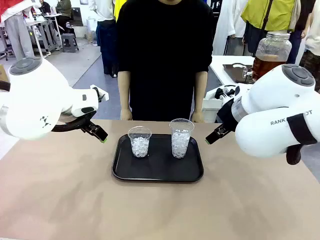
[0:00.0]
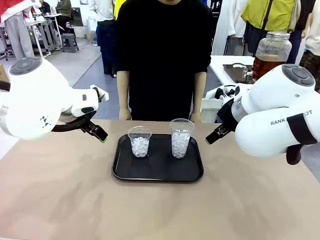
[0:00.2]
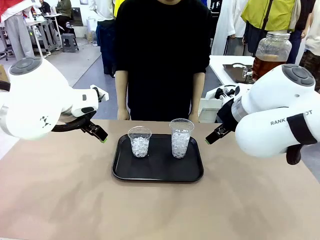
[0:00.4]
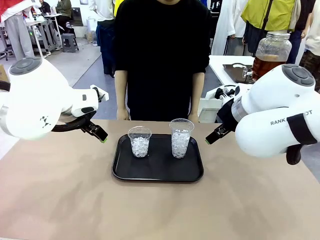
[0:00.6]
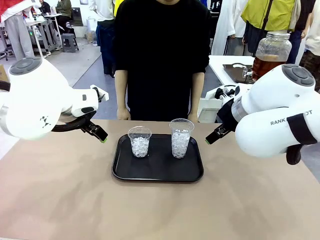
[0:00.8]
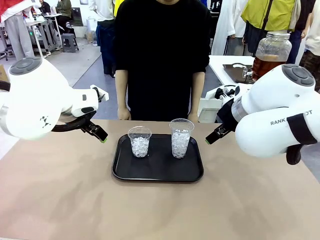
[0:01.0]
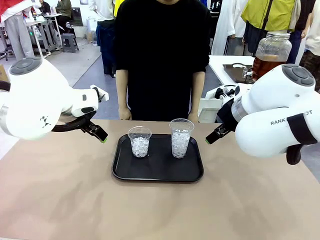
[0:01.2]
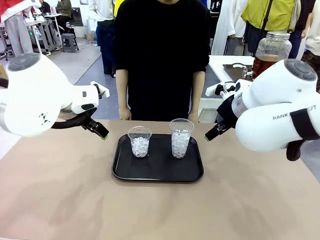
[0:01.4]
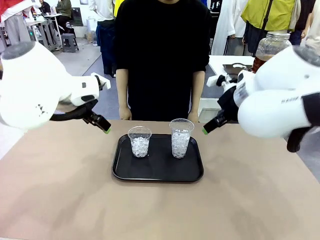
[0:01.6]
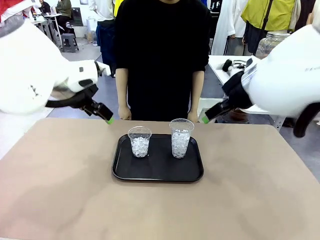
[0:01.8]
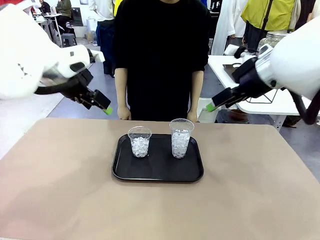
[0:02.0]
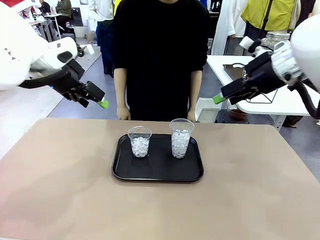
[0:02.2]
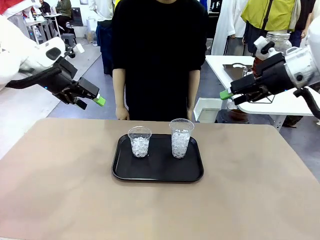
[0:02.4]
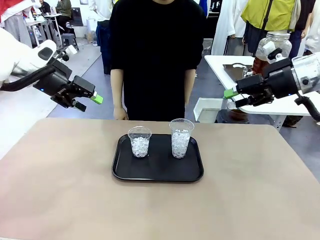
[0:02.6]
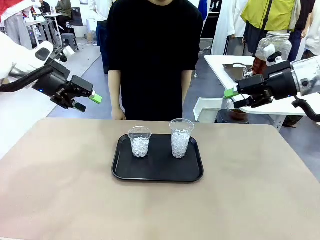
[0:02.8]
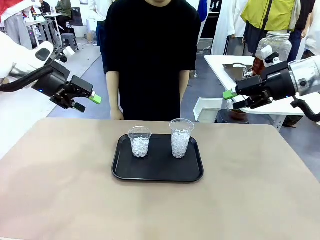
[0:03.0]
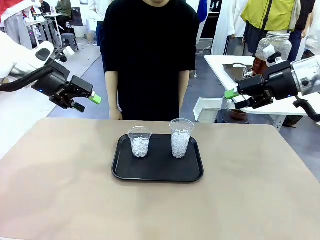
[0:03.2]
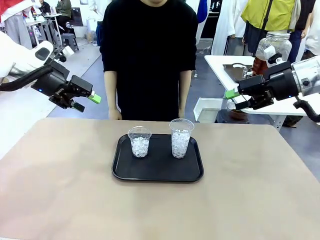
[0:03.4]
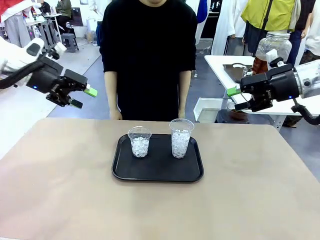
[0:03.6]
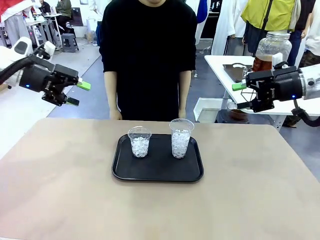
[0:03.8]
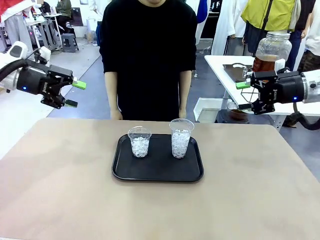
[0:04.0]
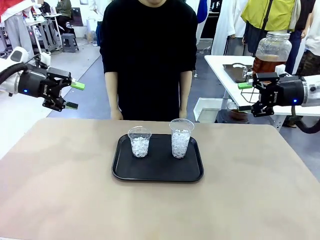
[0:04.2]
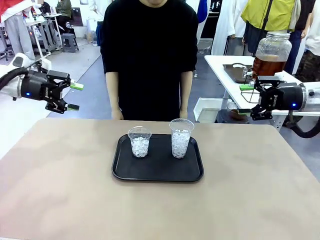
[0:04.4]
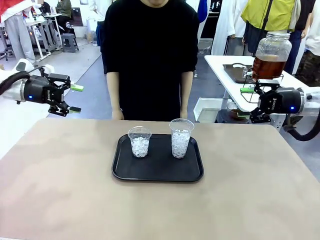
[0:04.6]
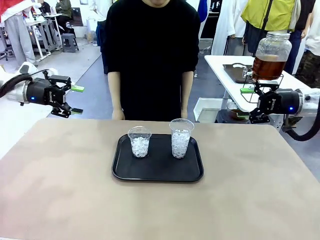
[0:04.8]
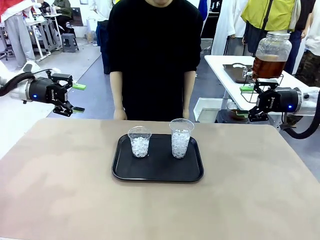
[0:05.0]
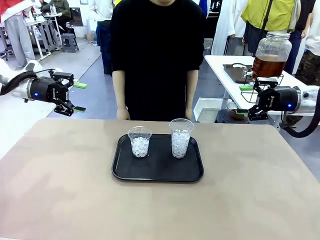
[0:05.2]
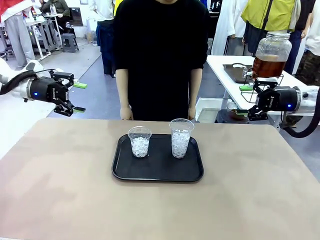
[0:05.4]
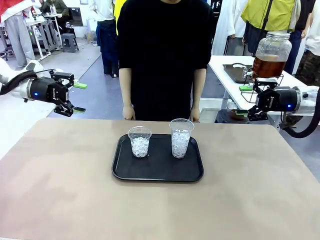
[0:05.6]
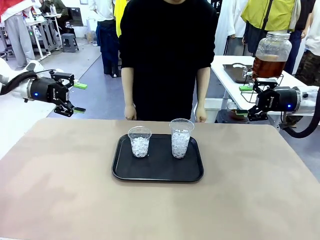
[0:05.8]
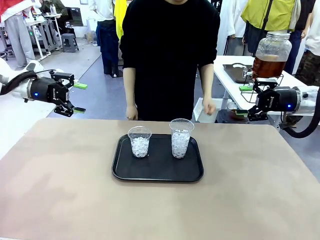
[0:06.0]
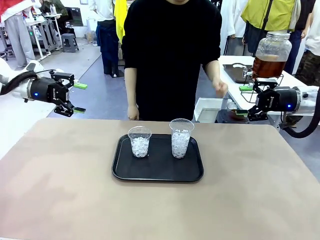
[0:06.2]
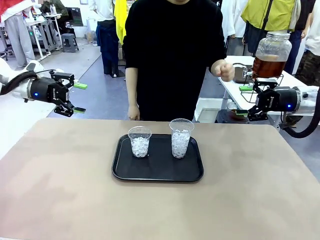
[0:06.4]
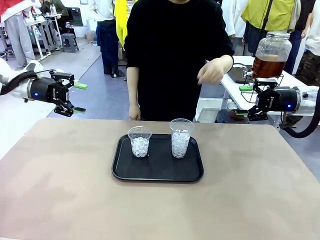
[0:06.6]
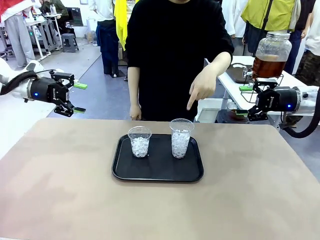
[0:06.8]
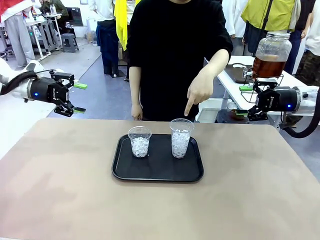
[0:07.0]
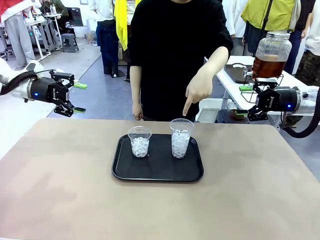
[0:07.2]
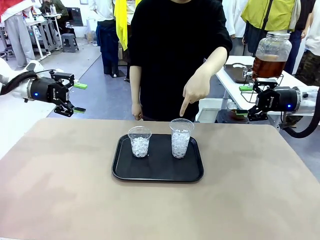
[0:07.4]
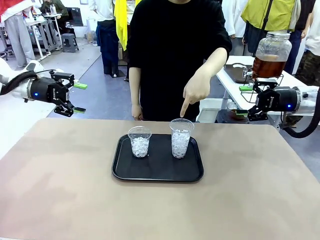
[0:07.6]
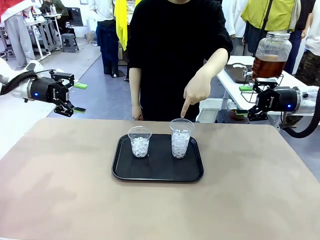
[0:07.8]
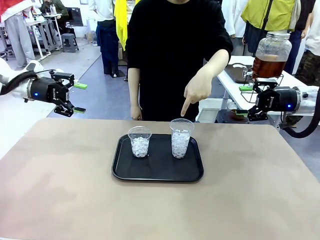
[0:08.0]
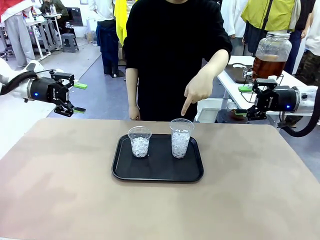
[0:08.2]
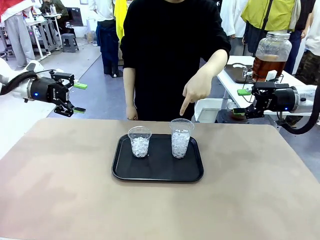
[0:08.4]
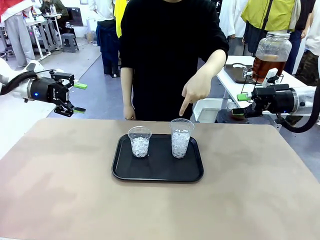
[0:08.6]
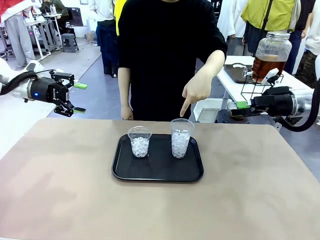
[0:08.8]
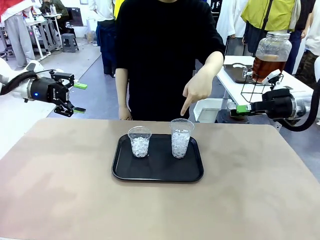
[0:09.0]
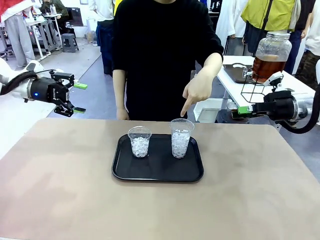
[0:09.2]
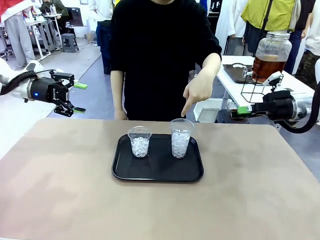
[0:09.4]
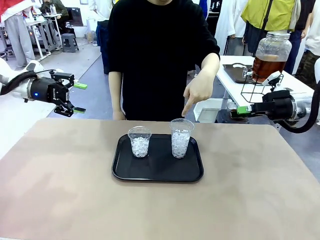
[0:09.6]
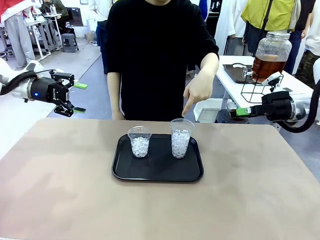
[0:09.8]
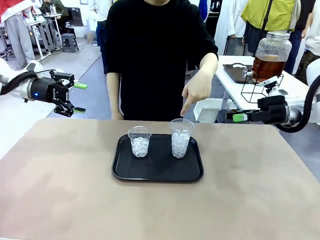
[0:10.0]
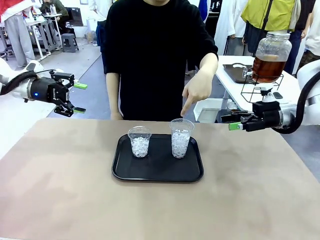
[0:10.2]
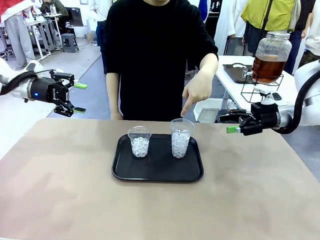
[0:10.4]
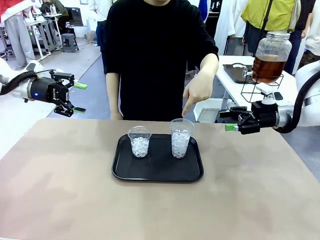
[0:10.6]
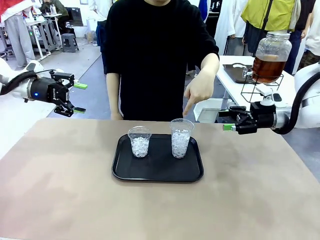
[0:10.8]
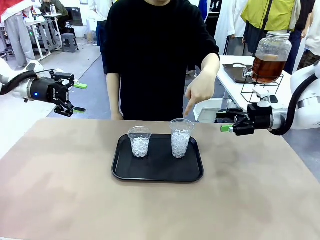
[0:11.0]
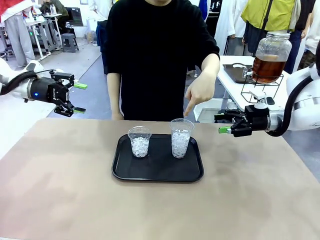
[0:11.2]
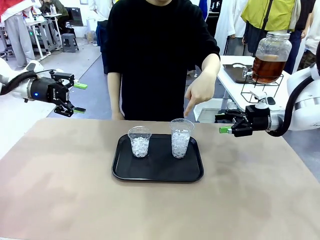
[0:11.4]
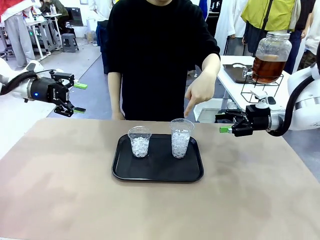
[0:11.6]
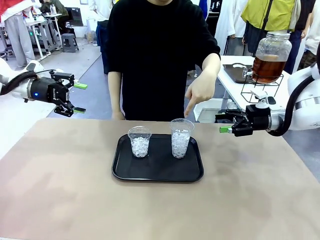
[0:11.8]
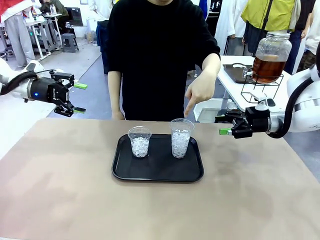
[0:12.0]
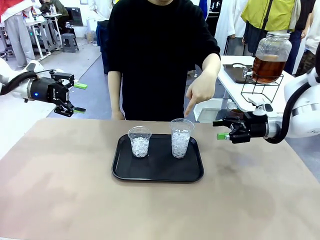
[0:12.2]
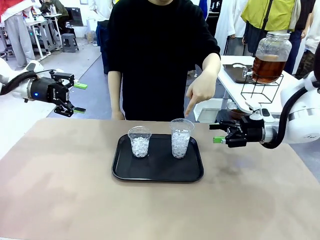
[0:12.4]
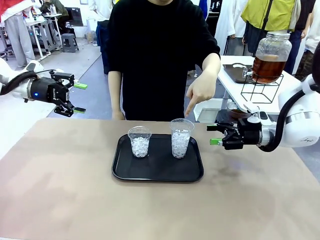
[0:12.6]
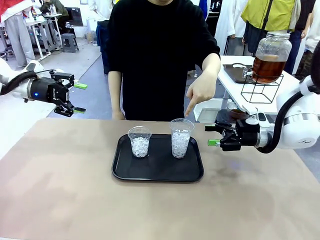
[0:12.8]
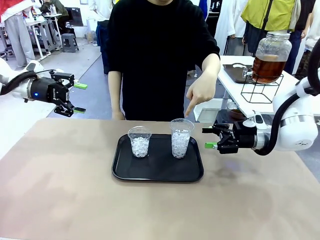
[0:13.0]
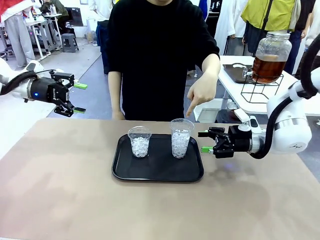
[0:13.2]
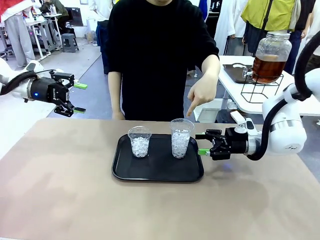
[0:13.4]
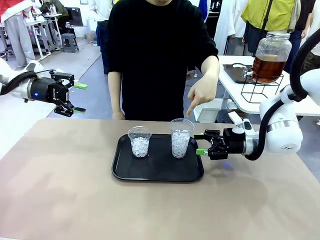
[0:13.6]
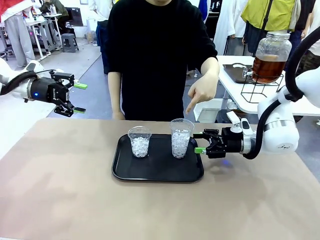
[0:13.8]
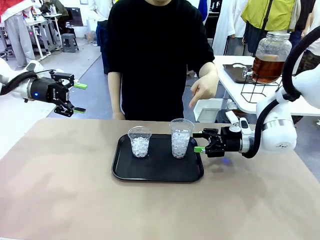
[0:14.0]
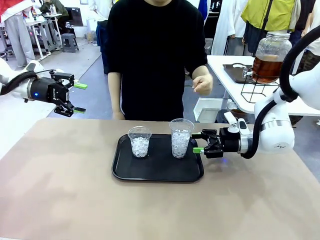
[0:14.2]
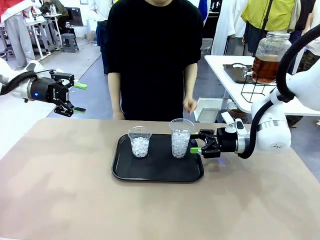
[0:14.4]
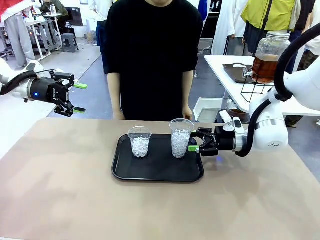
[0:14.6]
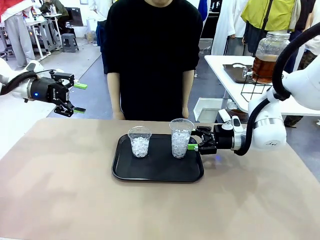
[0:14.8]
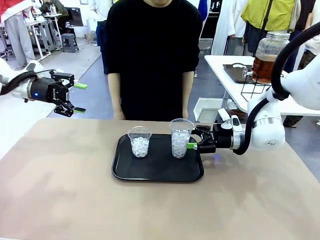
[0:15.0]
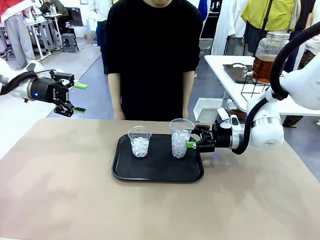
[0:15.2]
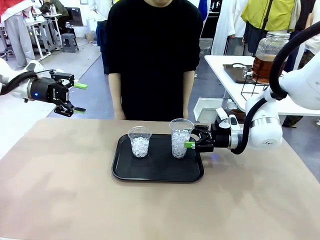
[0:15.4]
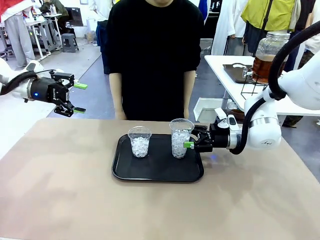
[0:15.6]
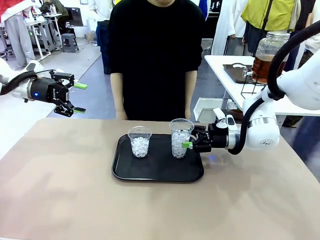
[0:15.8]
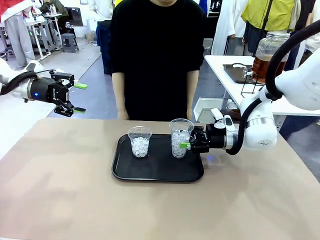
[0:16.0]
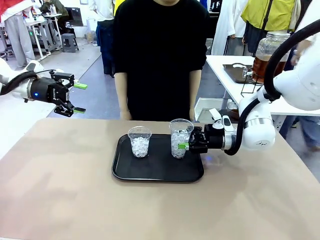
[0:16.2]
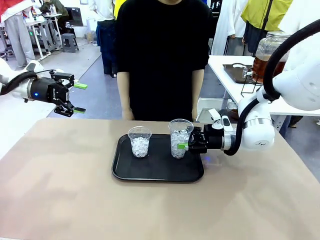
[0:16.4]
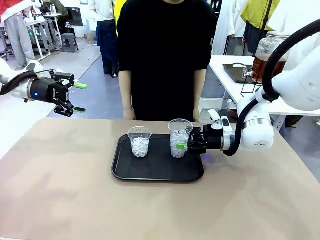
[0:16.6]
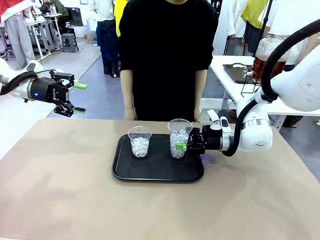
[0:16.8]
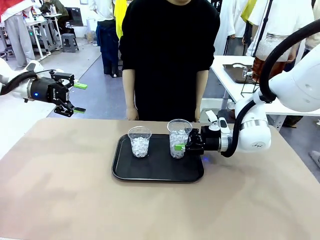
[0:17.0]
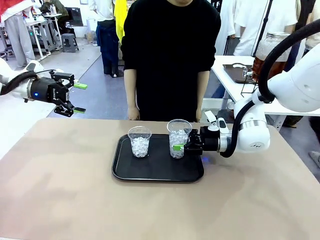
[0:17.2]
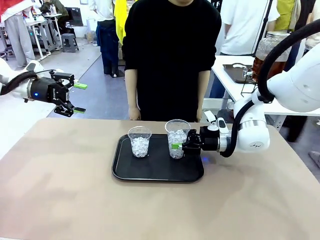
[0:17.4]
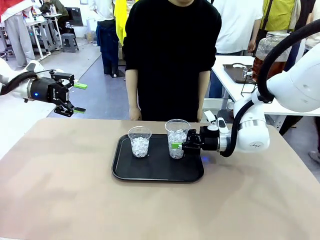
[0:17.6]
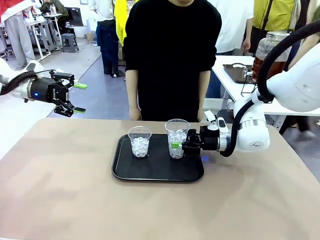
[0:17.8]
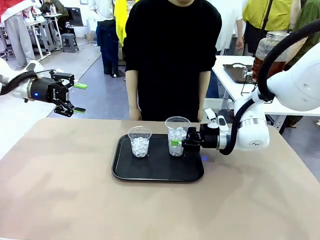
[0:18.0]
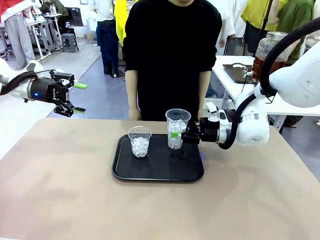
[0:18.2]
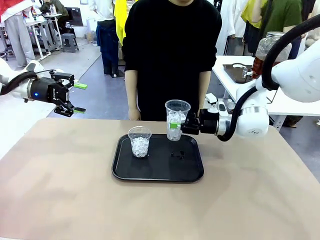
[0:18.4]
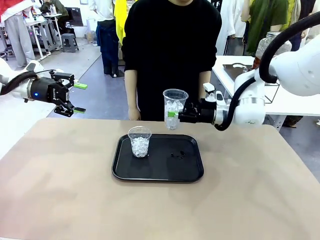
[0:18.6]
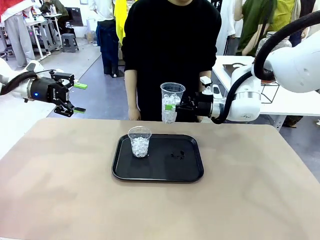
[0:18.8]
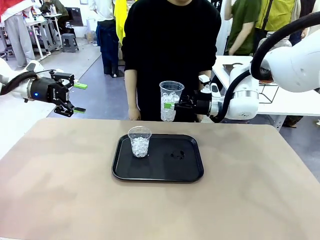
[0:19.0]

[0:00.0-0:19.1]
Task: Pour the drink into the iced cup.
Robot: Pick up the iced cup indicated by the human and present it to them.
Person: Point to one of the two ice cups. Pick up the cup offered by the robot.

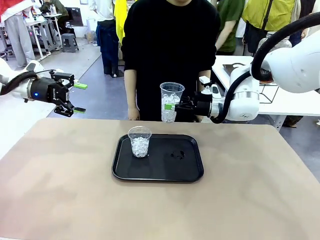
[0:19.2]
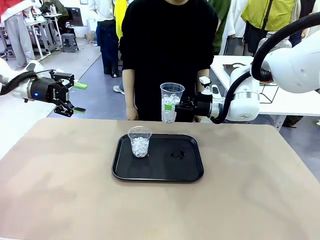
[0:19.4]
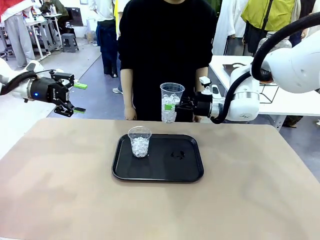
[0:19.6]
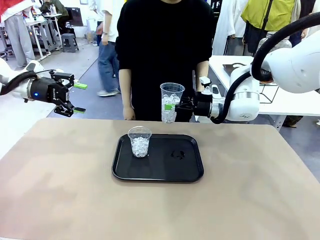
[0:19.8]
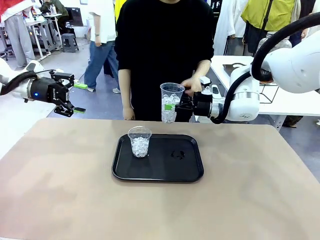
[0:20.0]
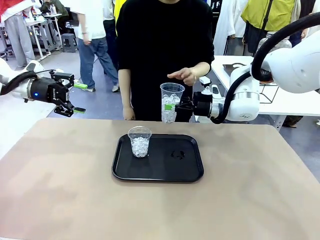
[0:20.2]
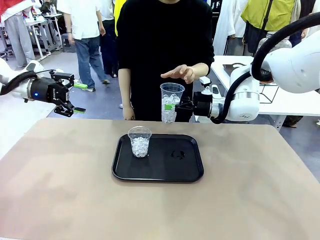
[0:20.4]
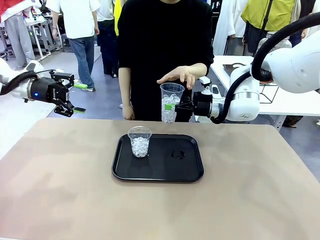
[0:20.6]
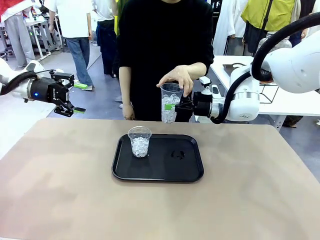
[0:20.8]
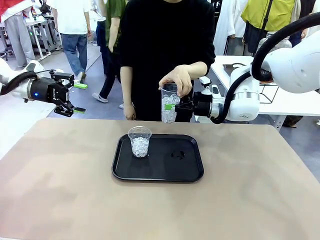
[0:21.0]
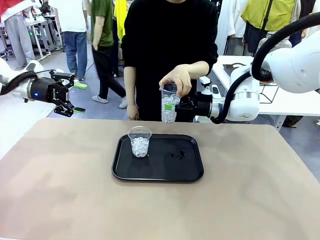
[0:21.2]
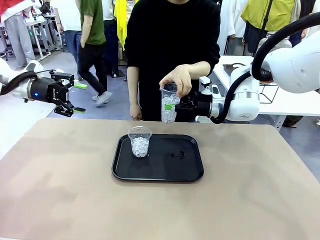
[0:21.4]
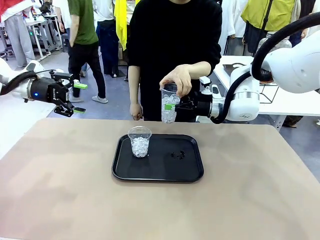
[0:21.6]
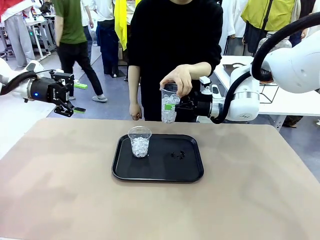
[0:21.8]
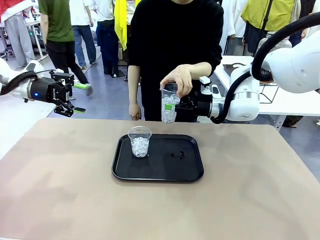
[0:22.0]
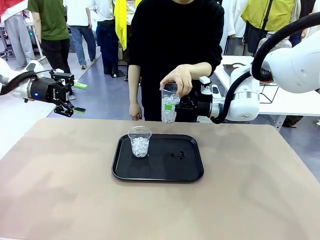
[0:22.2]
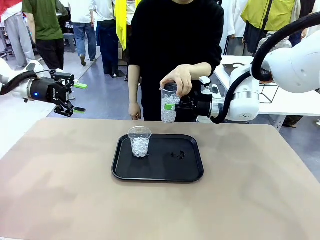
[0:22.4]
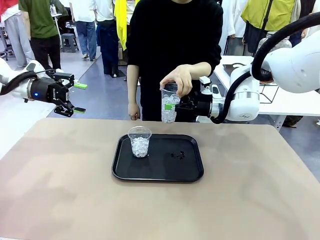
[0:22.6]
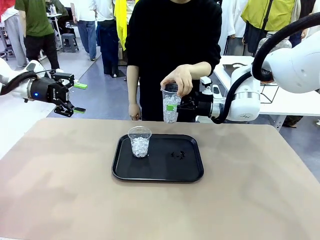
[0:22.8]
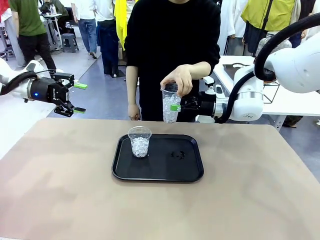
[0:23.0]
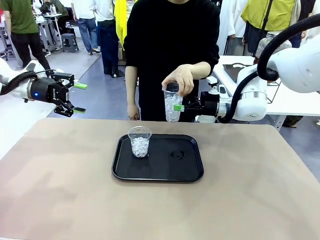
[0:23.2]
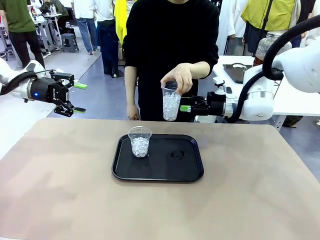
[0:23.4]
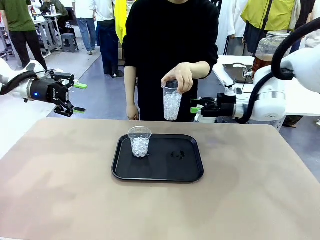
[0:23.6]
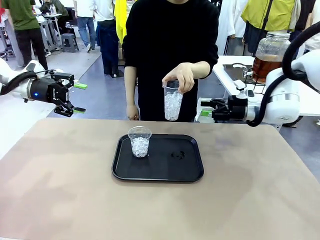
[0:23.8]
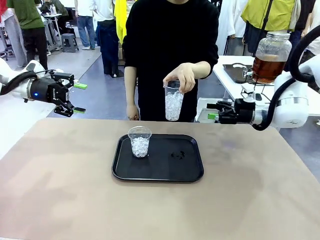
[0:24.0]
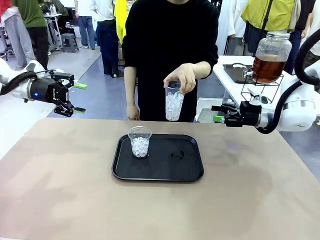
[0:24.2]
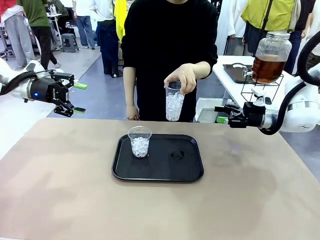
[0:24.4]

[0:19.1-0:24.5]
Robot: Open the gripper to release the iced cup you were holding.
